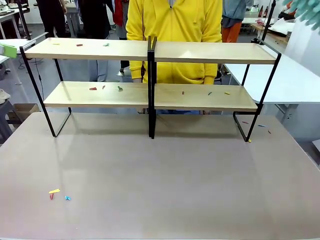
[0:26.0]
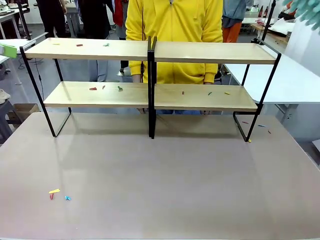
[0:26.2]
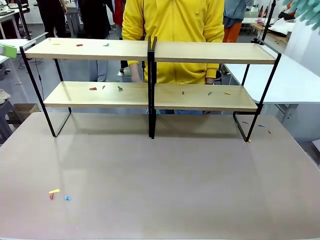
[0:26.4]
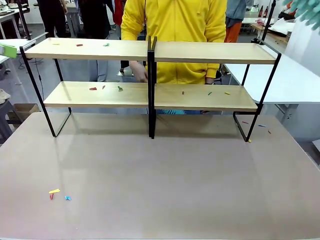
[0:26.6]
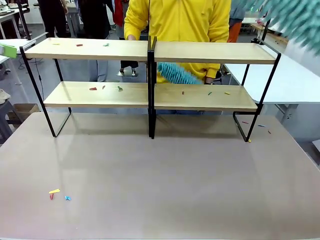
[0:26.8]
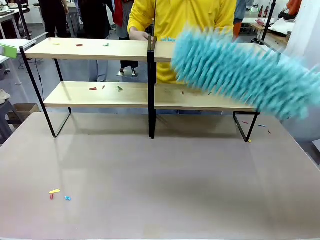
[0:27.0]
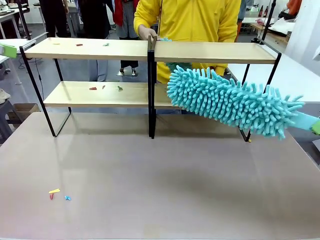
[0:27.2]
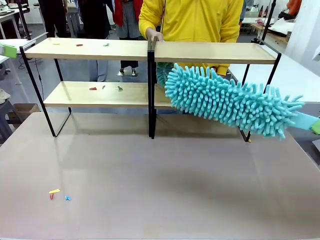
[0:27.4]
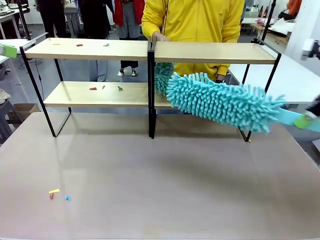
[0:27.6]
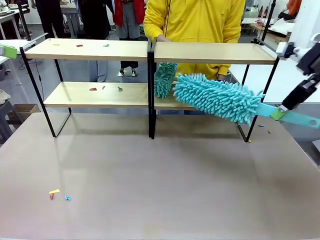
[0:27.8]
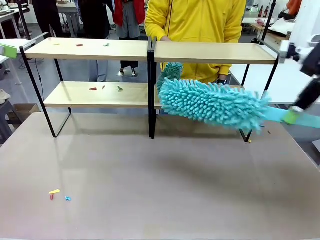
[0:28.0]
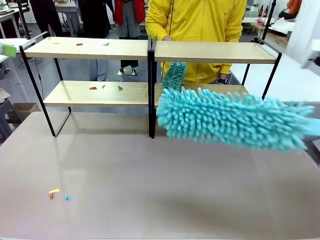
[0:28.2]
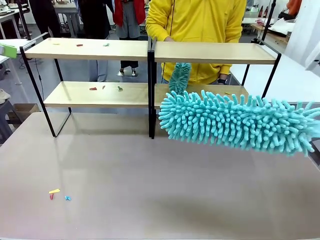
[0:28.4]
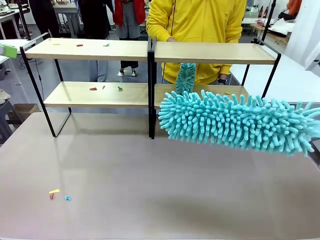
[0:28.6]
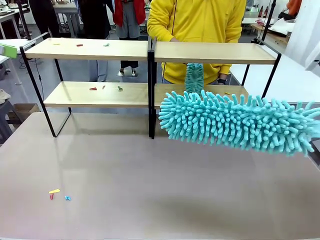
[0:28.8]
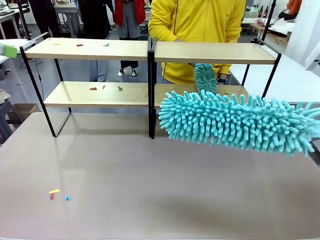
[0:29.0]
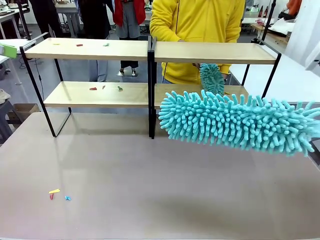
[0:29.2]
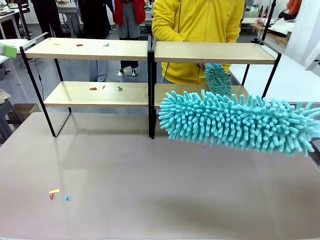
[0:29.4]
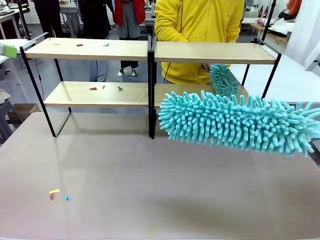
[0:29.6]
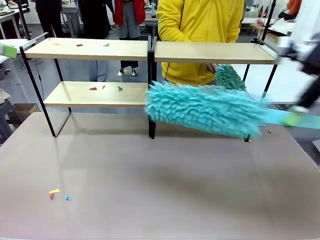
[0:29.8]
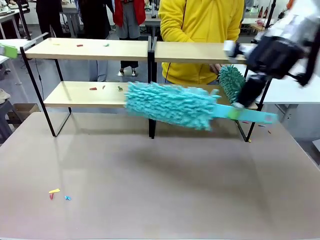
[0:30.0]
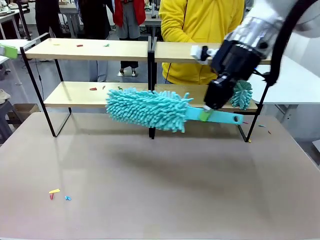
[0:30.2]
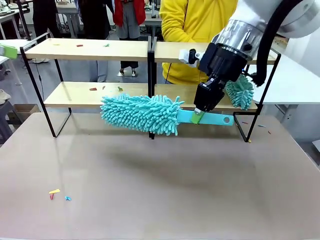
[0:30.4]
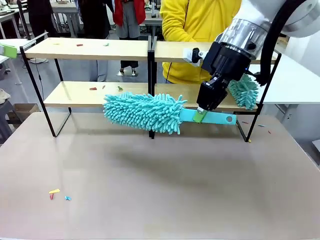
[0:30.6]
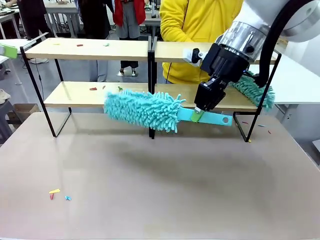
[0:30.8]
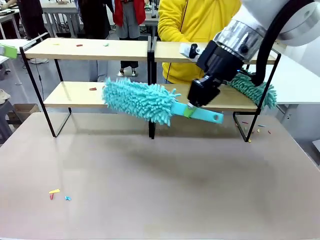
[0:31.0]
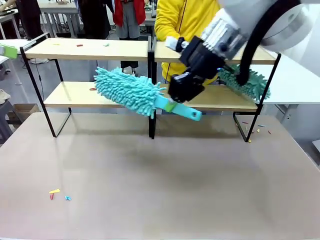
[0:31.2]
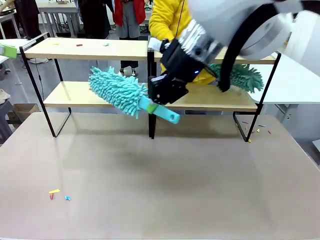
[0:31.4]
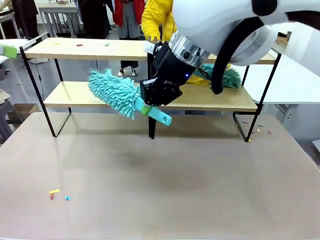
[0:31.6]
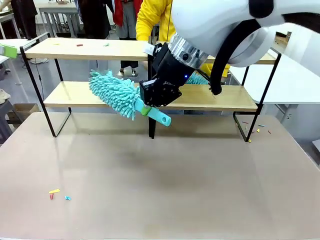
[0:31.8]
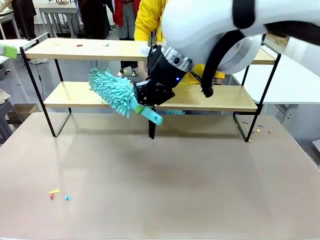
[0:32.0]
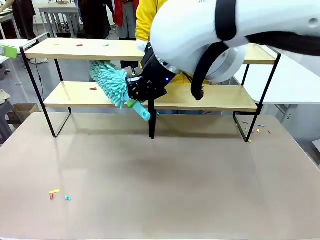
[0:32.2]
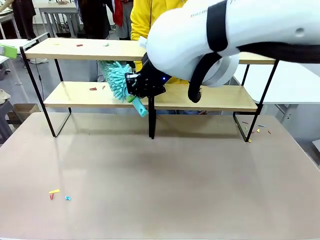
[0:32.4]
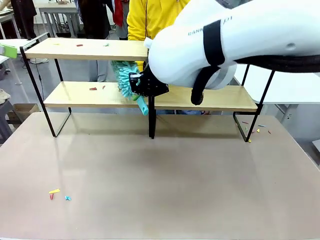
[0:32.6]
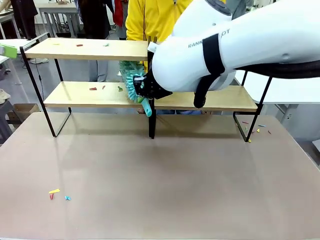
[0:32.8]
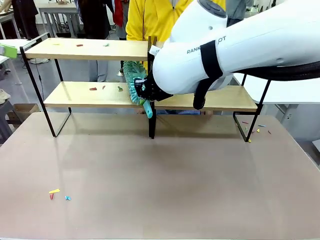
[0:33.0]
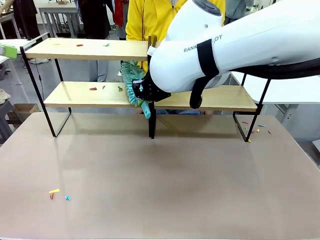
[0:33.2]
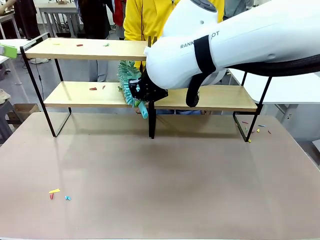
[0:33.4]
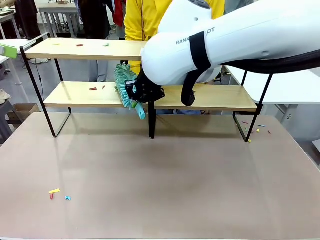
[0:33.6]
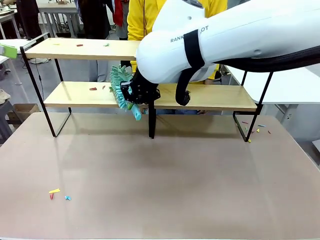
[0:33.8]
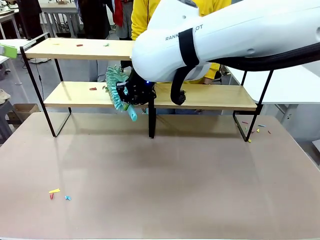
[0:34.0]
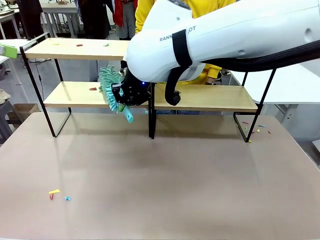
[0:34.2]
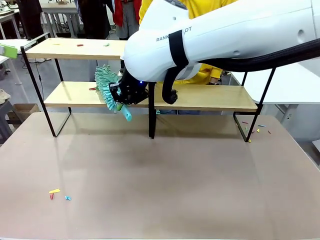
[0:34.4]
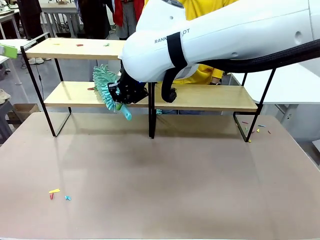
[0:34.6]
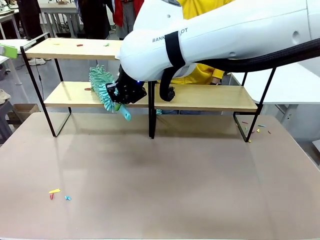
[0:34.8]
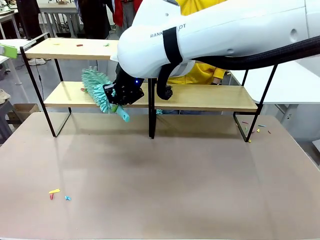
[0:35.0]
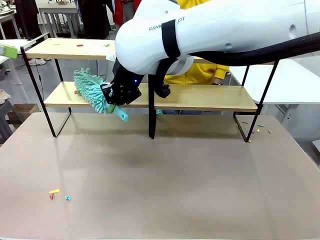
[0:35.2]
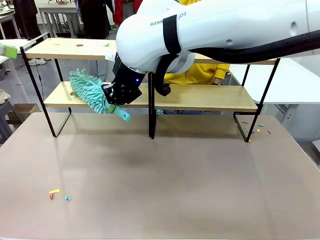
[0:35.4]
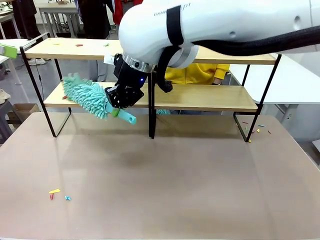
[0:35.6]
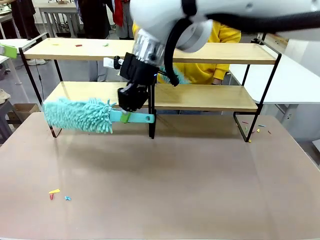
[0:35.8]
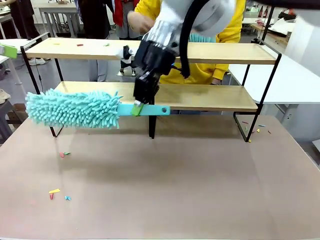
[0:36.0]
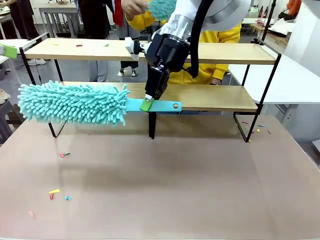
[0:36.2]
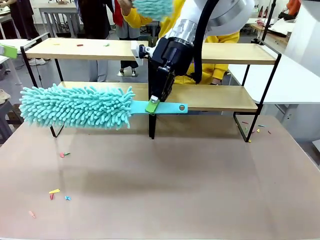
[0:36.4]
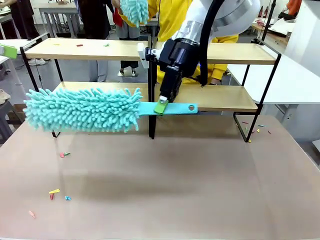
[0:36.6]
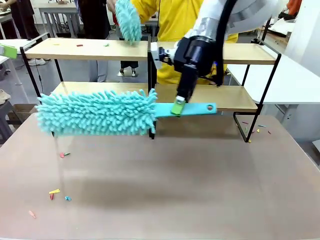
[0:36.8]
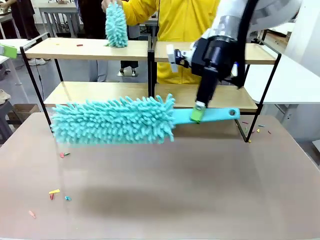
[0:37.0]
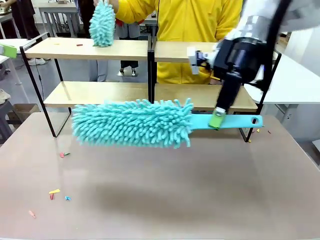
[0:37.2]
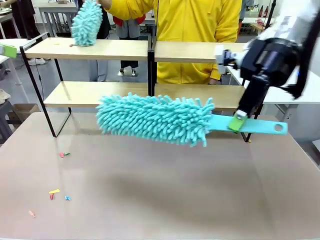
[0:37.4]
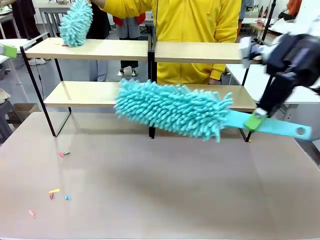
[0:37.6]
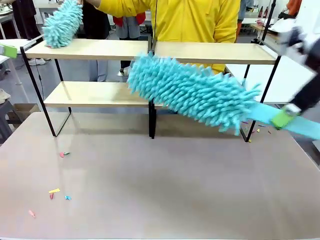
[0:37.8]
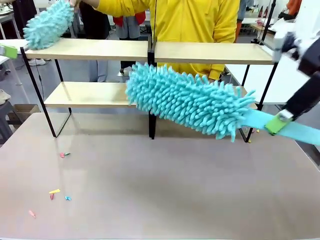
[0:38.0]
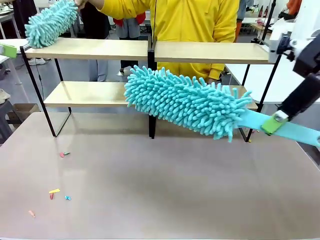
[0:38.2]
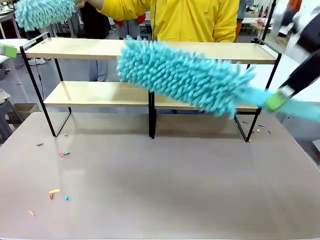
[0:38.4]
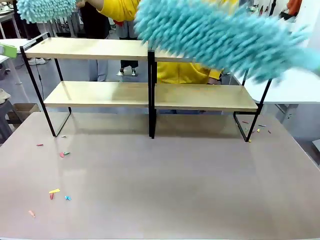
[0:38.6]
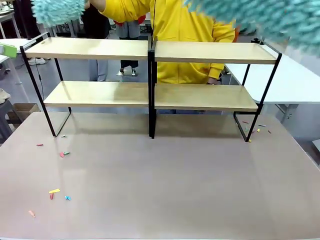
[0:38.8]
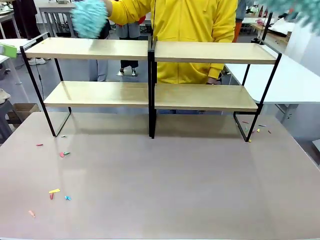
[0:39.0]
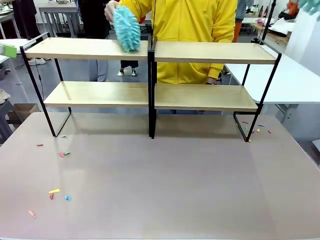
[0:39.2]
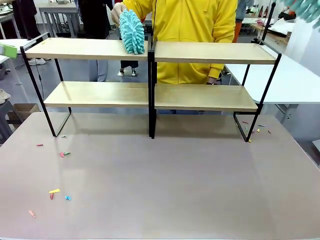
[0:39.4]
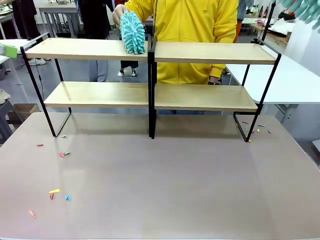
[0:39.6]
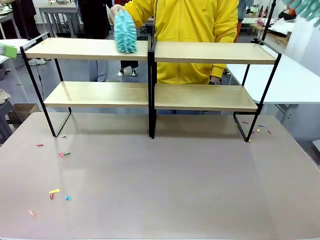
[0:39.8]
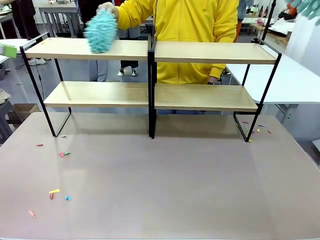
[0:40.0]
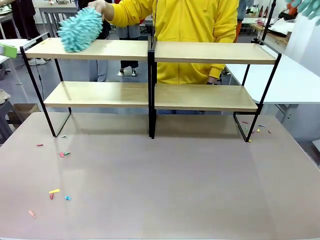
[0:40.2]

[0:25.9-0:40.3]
Task: Clean the shelves.
Robot: Clean another randomly selected level of the Shelf with the Duster.

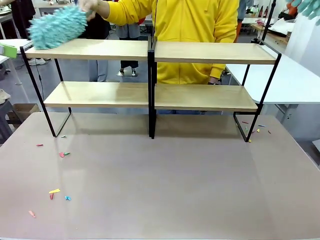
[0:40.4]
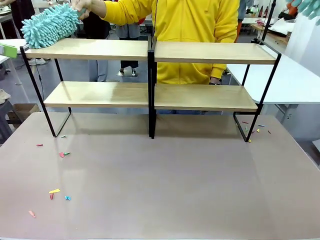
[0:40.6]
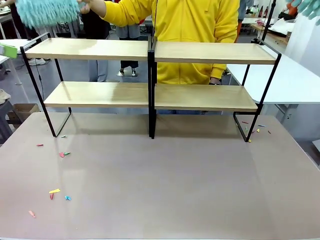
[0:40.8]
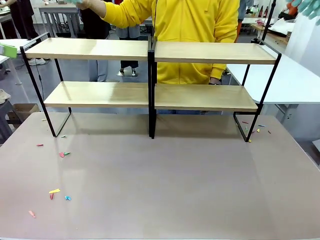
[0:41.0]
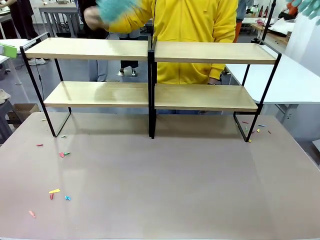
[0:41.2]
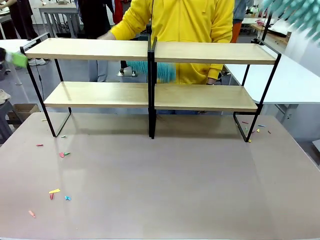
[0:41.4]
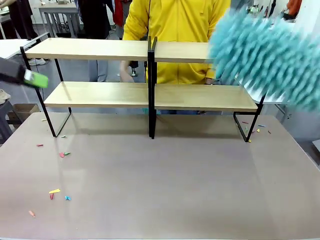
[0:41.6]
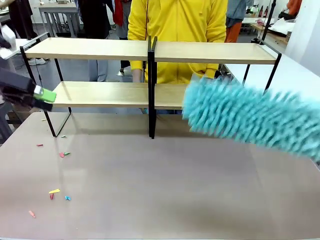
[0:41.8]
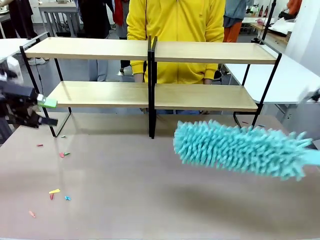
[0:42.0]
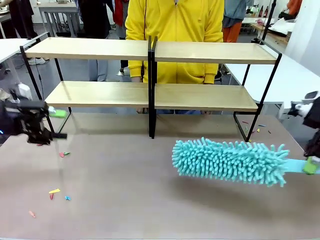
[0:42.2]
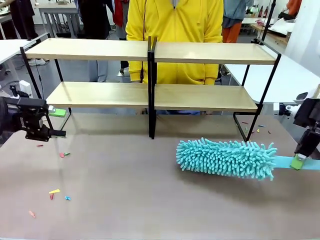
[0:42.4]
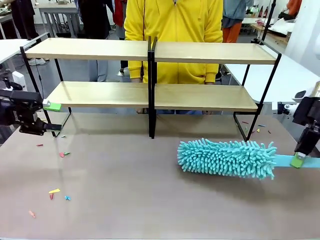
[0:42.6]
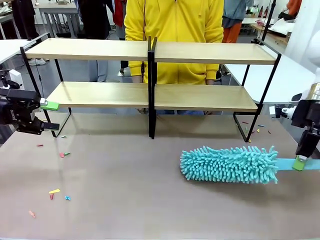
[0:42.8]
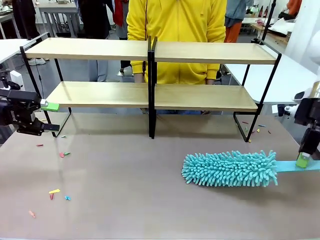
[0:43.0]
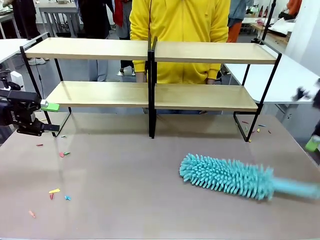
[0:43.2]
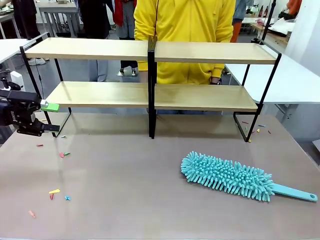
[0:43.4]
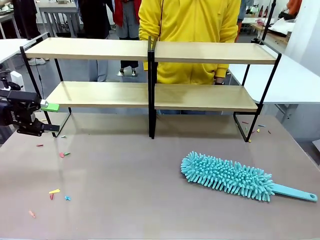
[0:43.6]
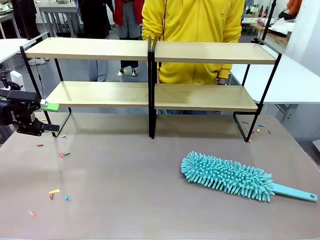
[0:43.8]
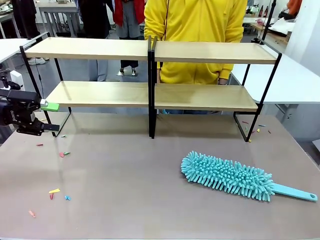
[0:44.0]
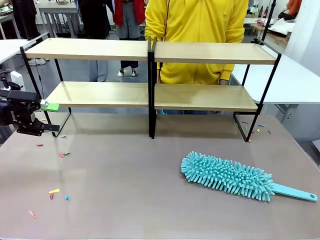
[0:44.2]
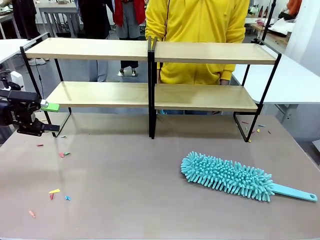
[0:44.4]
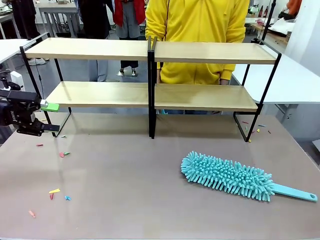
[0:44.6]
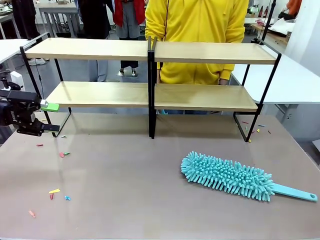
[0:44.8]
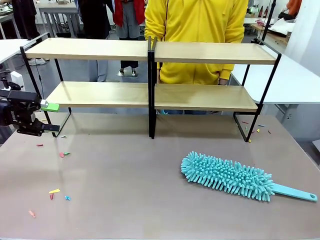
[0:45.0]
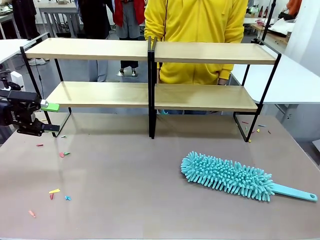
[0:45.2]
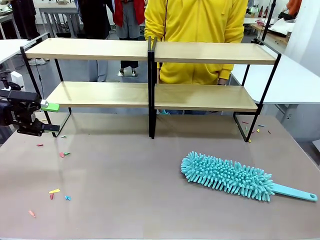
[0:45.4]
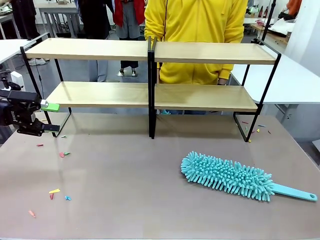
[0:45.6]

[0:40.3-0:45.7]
Robot: Place the Duster on the table.
